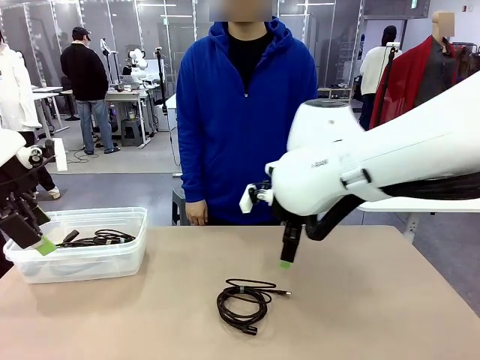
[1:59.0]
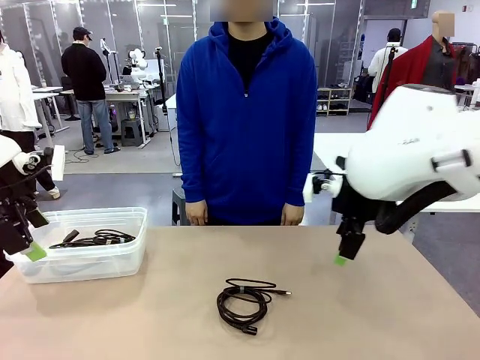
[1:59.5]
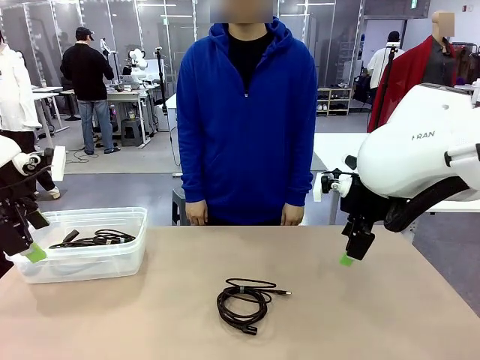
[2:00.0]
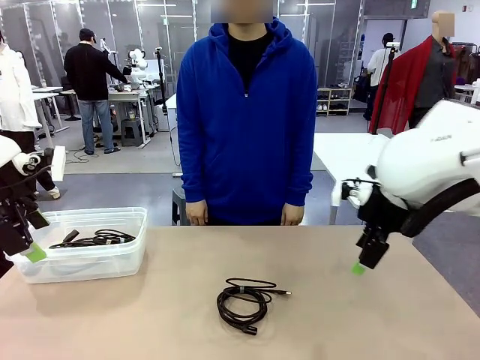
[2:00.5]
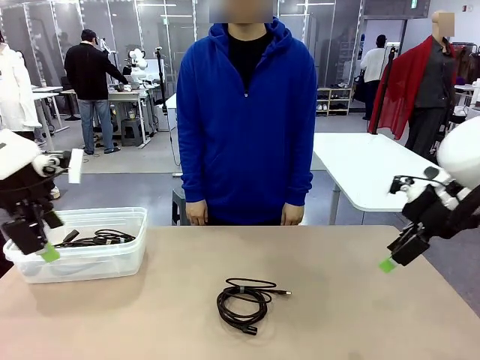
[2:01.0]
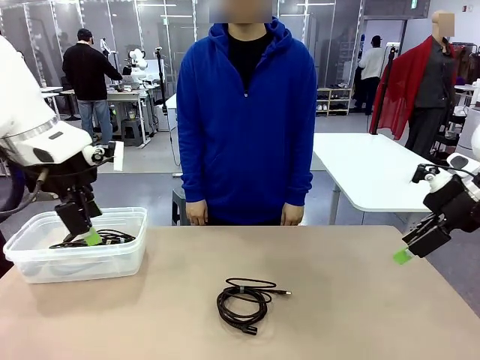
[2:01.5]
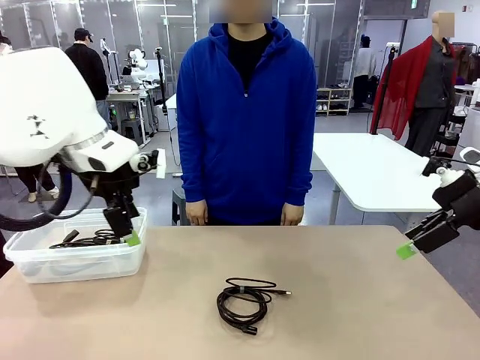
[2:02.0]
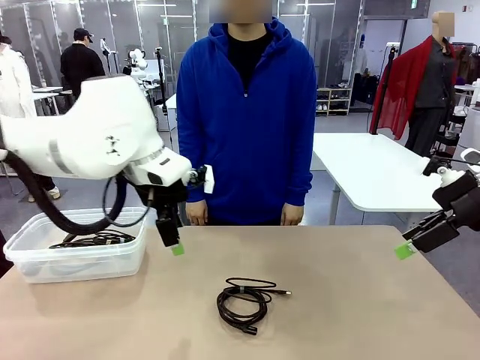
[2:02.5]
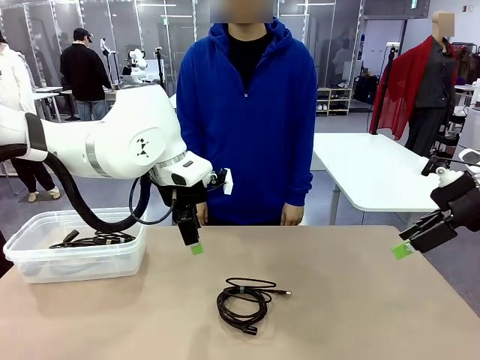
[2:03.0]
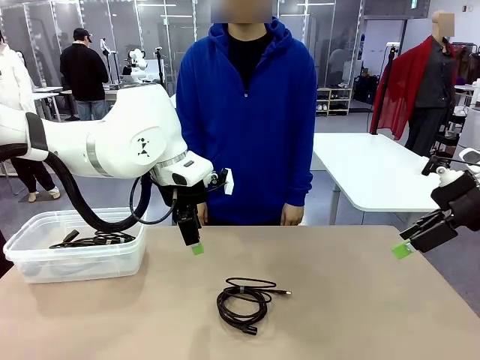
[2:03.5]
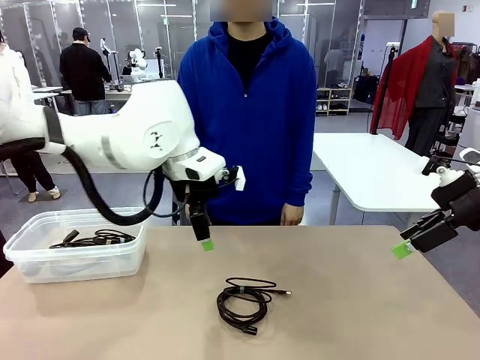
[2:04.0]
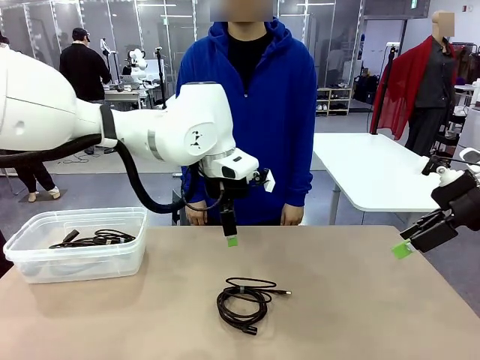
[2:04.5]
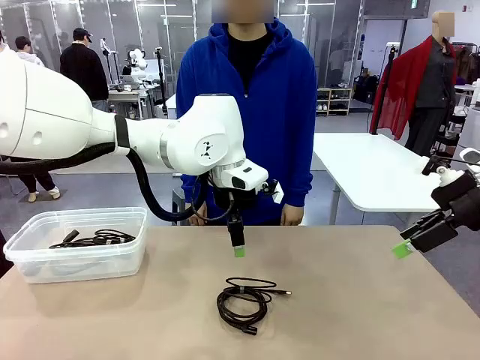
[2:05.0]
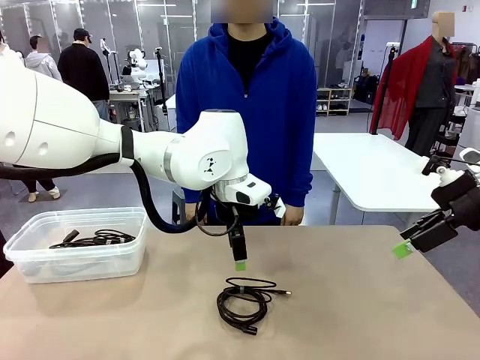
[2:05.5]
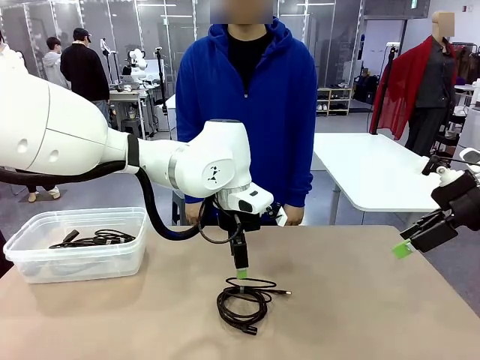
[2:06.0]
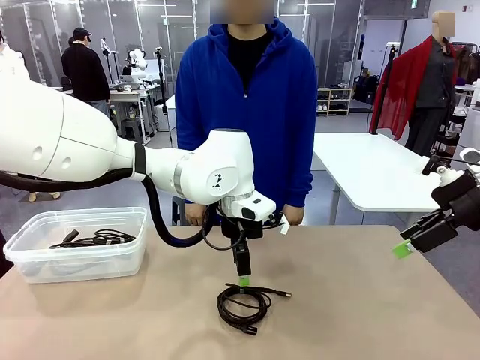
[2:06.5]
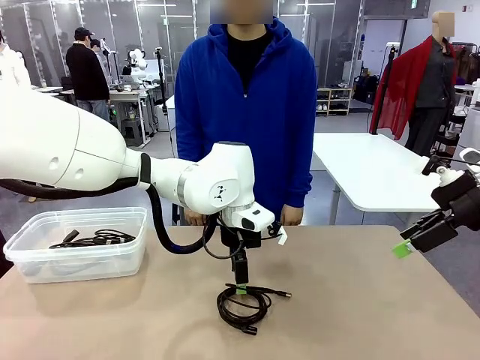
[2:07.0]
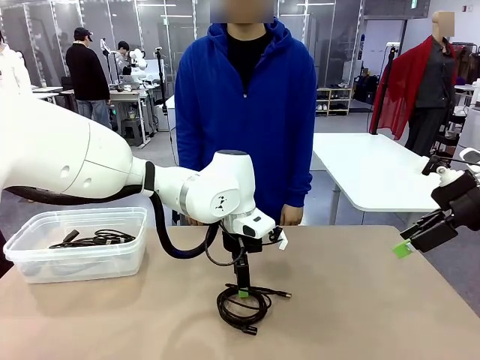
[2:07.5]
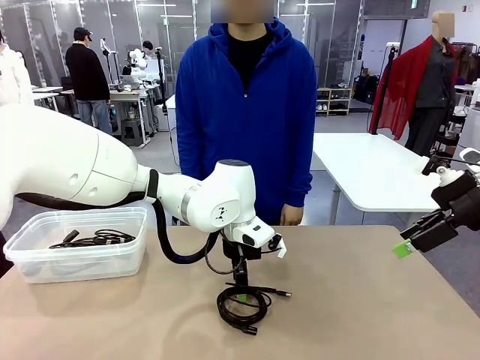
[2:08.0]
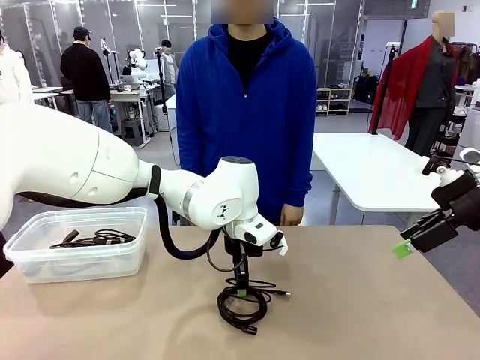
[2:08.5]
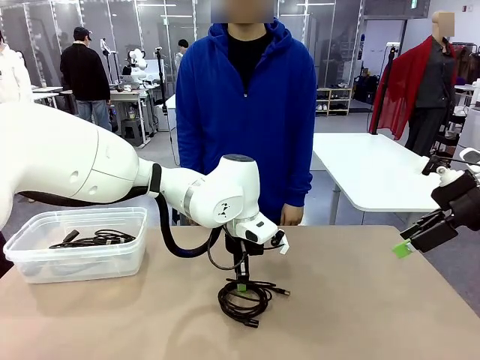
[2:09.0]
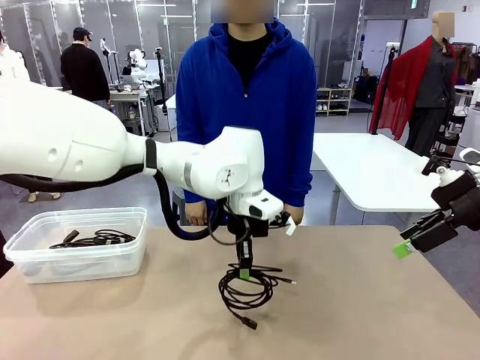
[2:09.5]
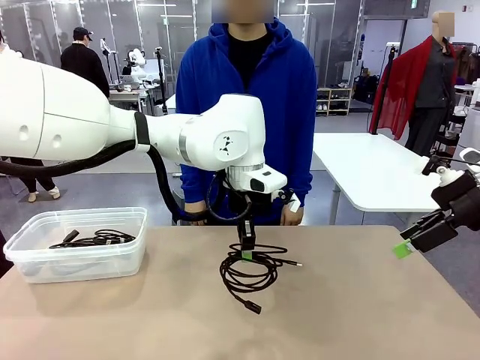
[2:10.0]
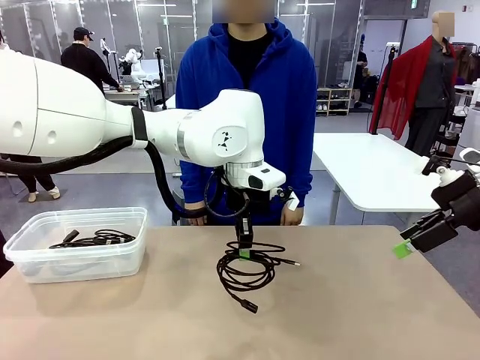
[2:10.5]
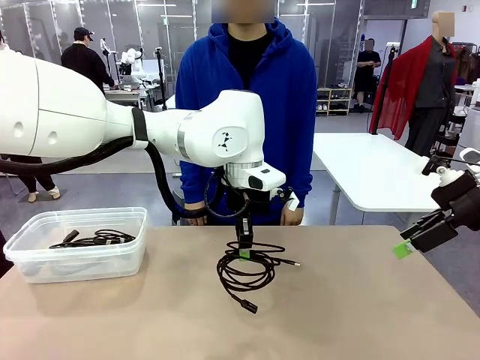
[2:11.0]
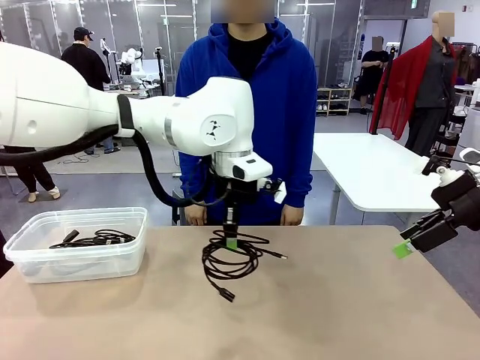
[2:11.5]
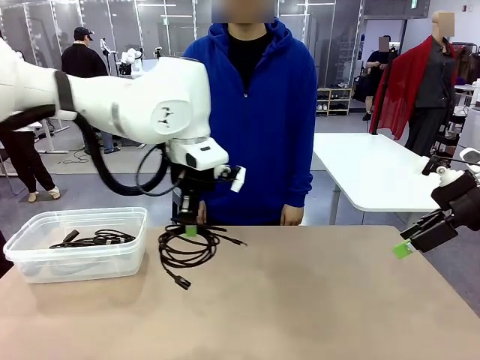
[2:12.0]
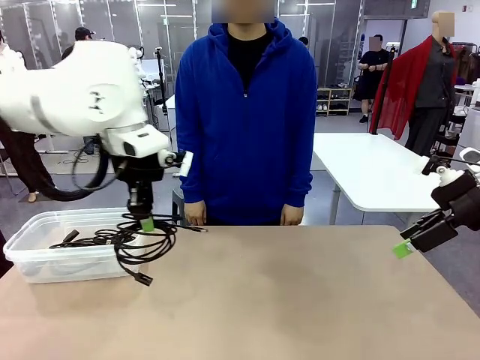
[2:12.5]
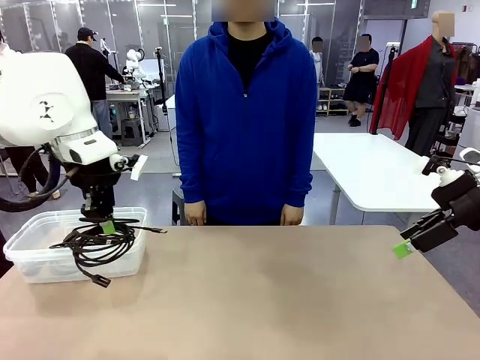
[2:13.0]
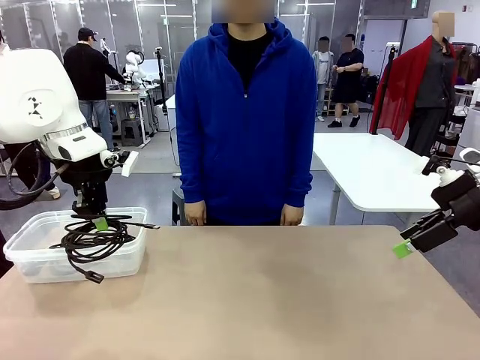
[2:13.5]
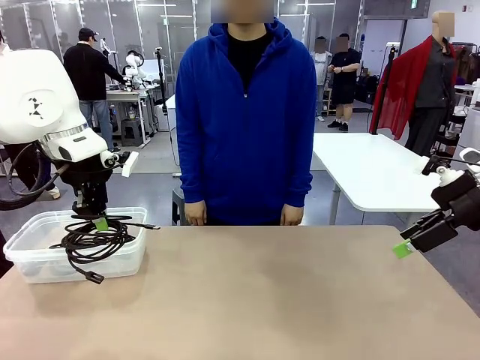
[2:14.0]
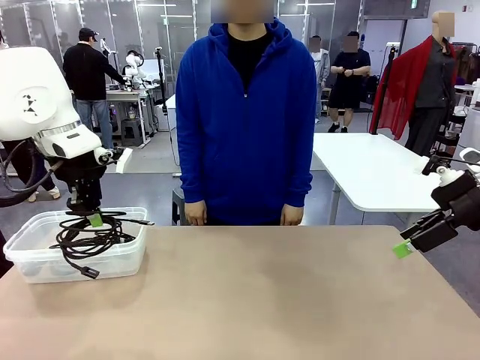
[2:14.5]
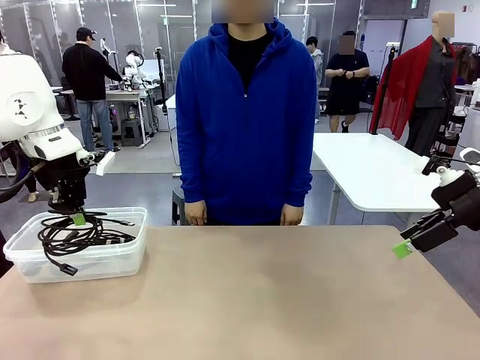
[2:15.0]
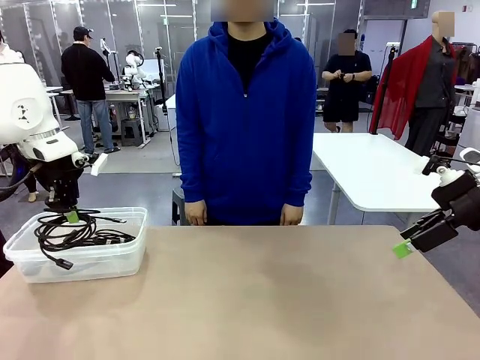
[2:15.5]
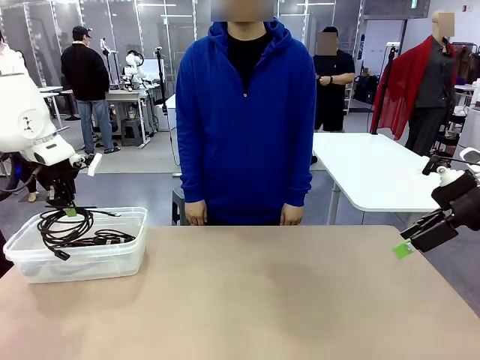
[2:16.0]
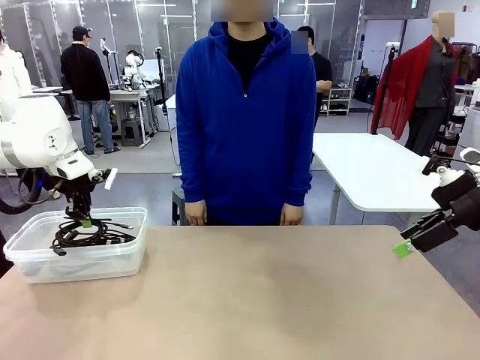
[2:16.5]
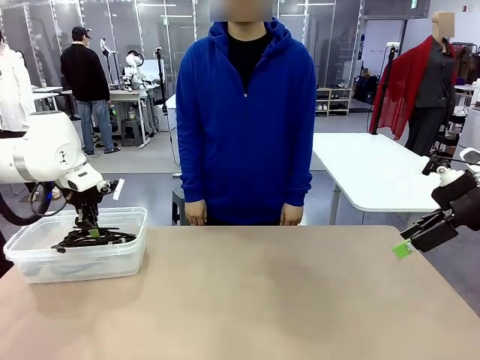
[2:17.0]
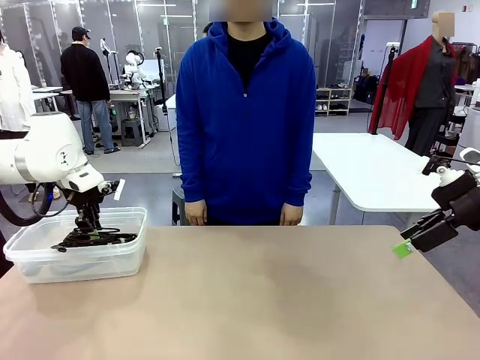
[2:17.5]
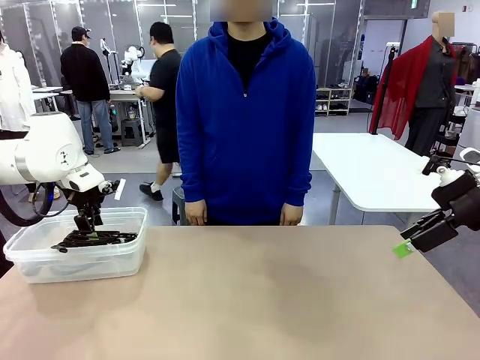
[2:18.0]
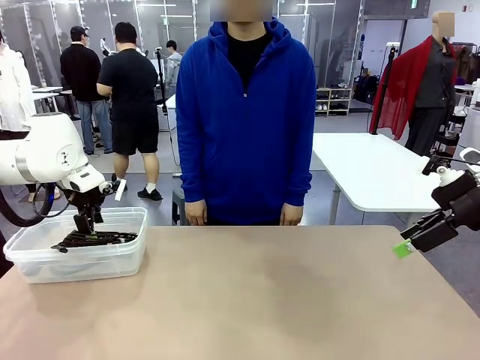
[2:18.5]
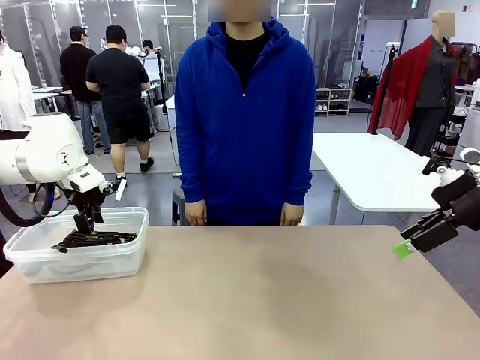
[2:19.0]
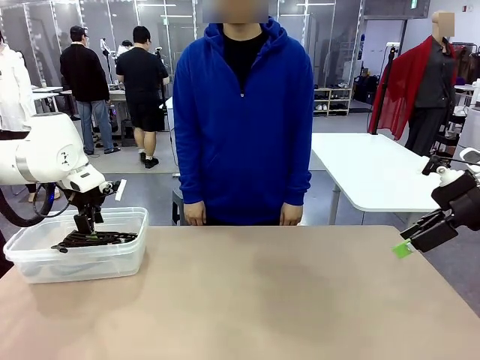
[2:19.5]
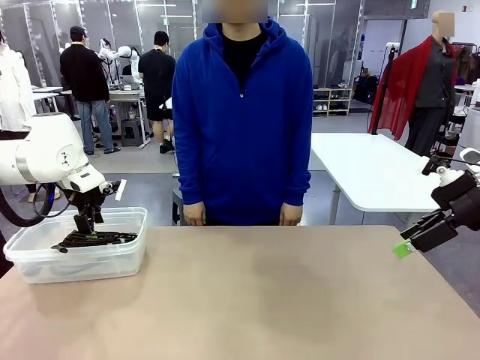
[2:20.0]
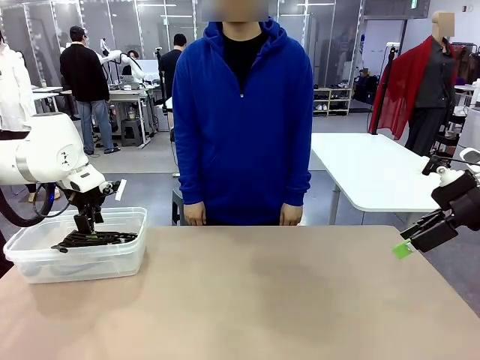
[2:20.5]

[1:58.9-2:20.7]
Task: Organize and store the cables.
Robot: Place the USB Extension Cable into the Organizing box.
